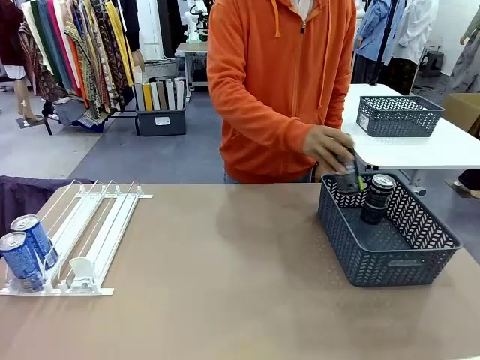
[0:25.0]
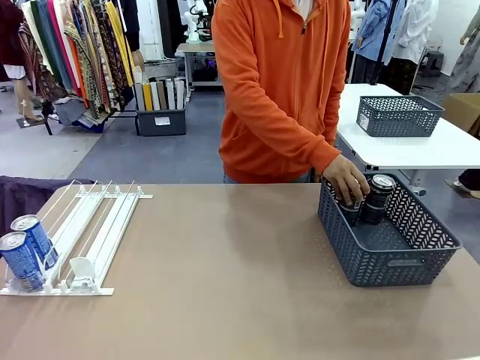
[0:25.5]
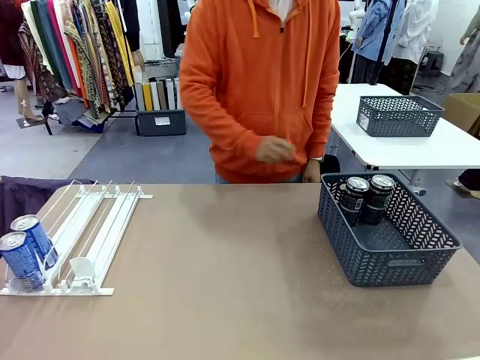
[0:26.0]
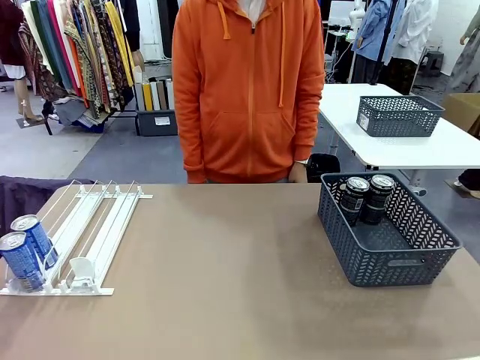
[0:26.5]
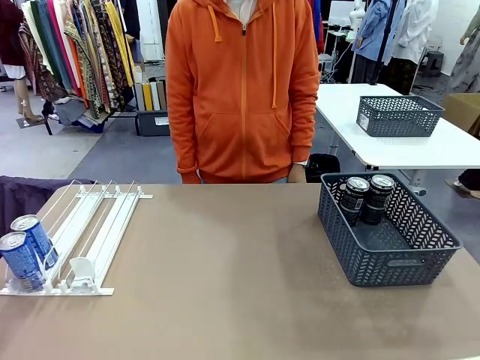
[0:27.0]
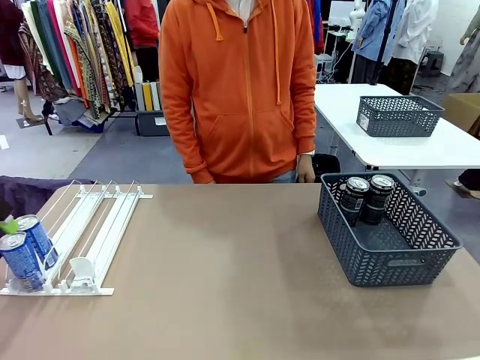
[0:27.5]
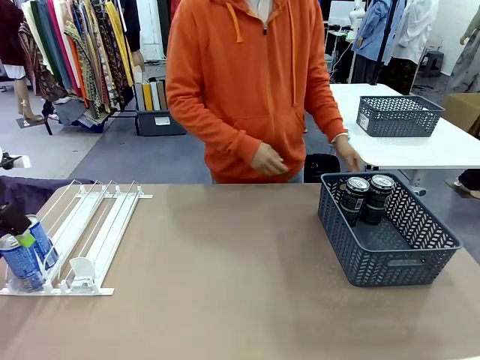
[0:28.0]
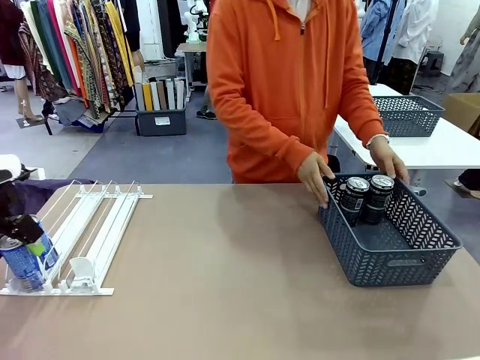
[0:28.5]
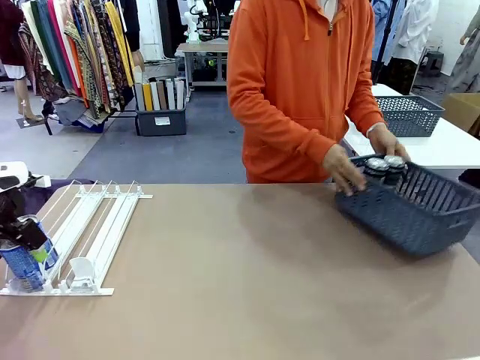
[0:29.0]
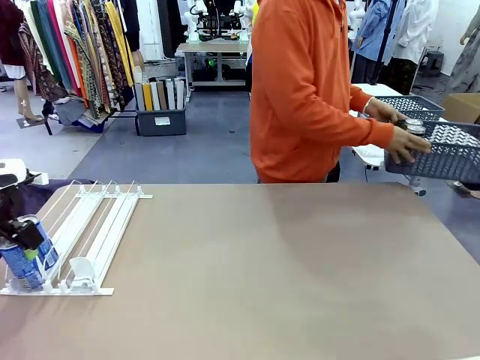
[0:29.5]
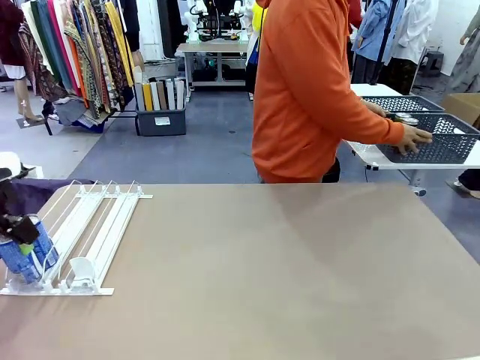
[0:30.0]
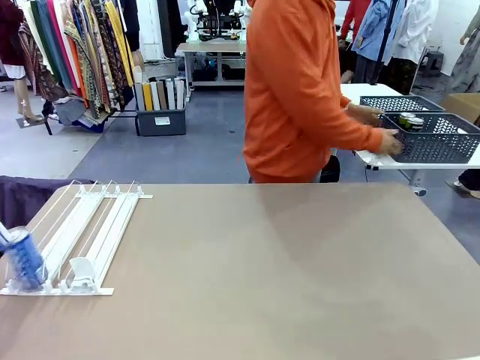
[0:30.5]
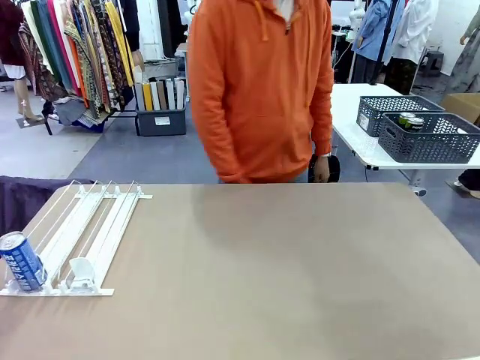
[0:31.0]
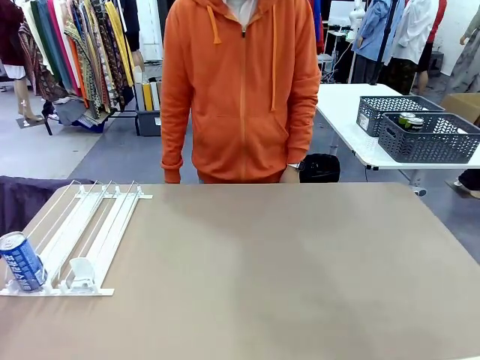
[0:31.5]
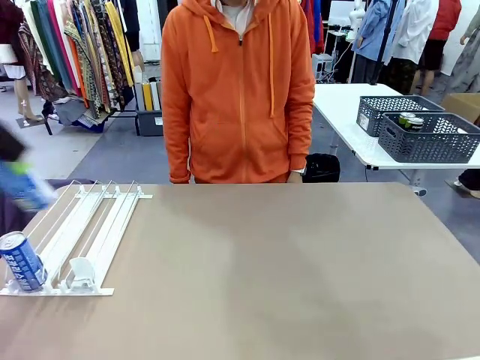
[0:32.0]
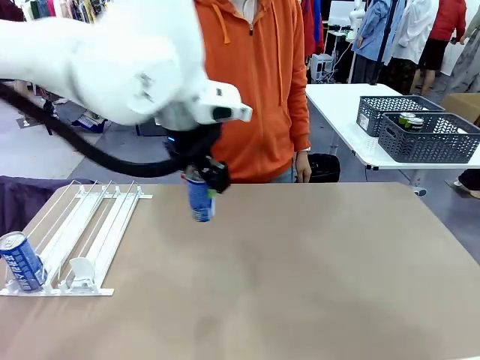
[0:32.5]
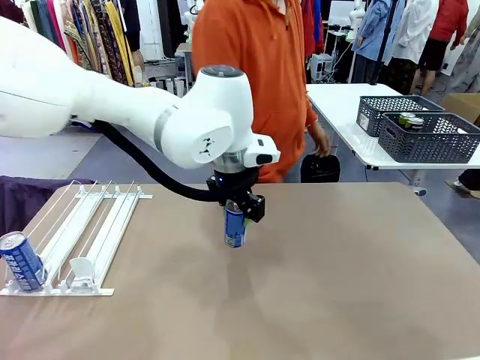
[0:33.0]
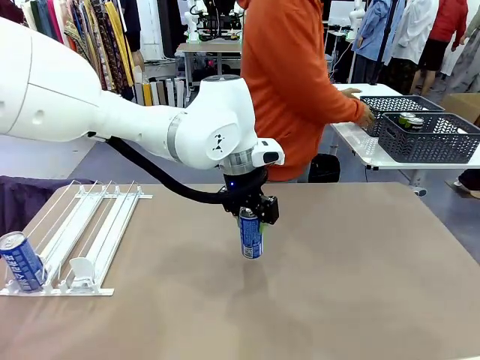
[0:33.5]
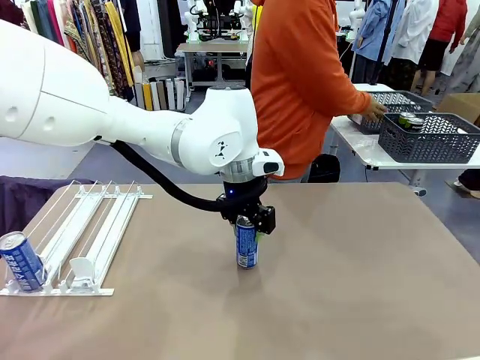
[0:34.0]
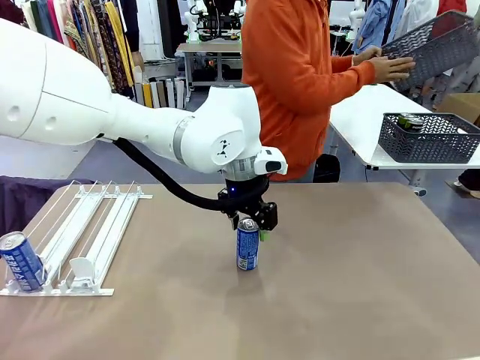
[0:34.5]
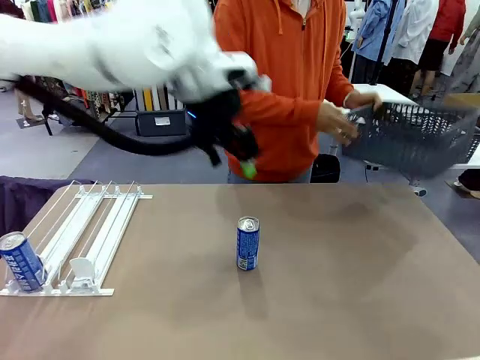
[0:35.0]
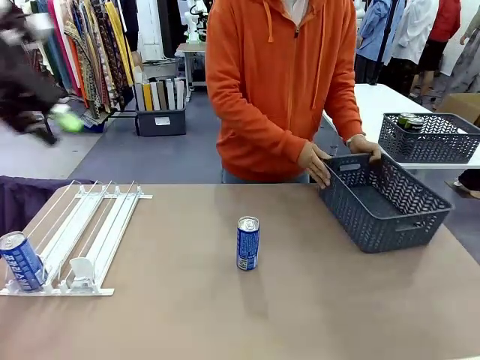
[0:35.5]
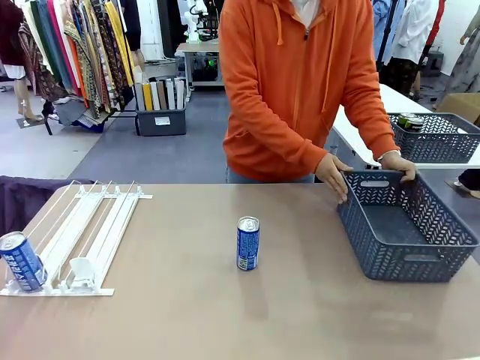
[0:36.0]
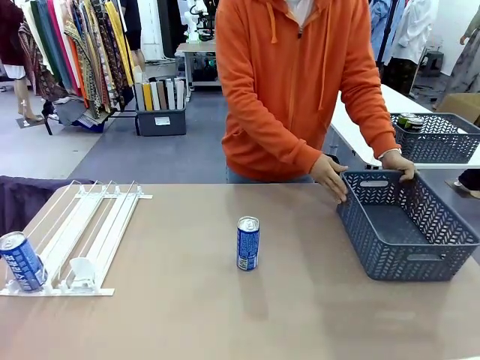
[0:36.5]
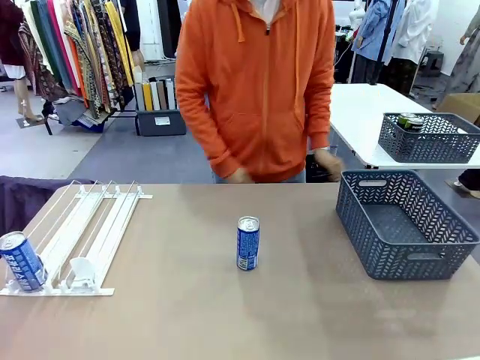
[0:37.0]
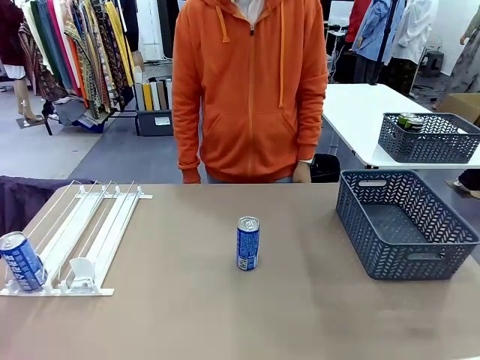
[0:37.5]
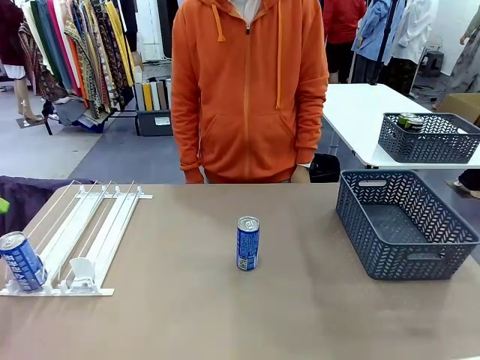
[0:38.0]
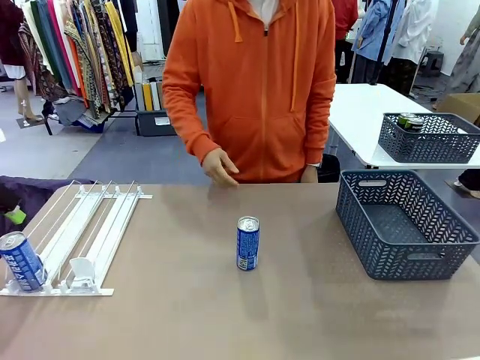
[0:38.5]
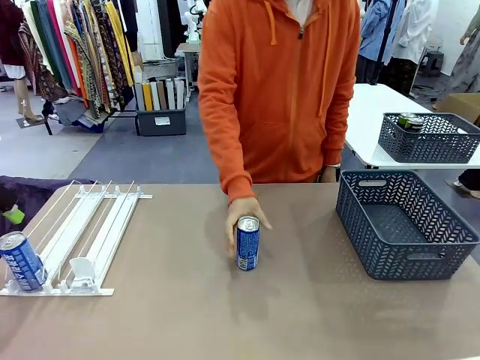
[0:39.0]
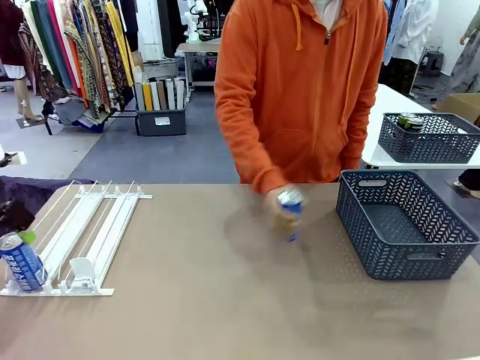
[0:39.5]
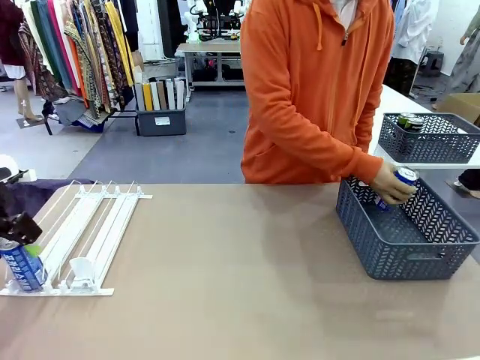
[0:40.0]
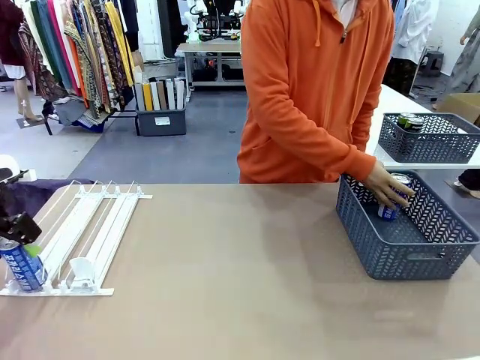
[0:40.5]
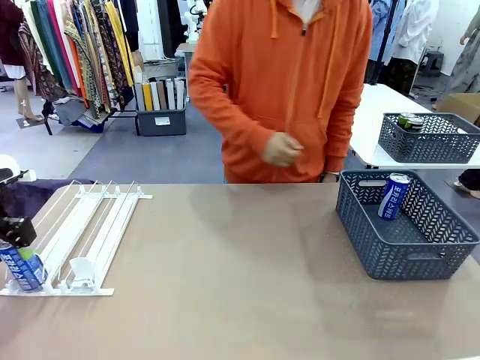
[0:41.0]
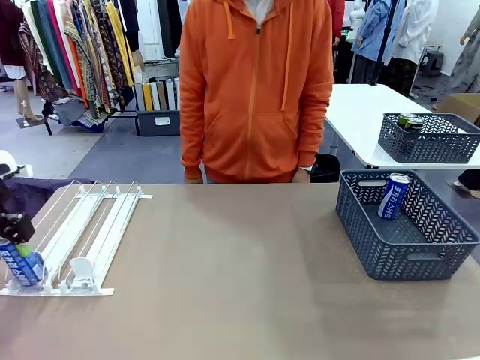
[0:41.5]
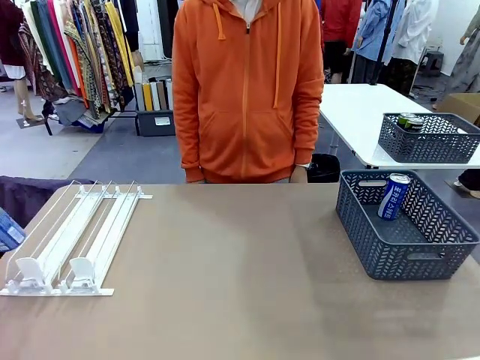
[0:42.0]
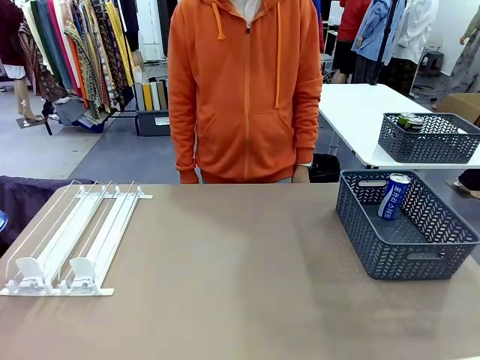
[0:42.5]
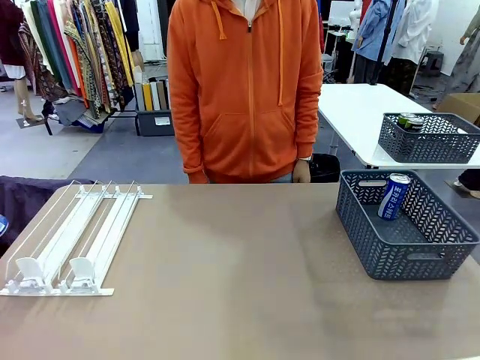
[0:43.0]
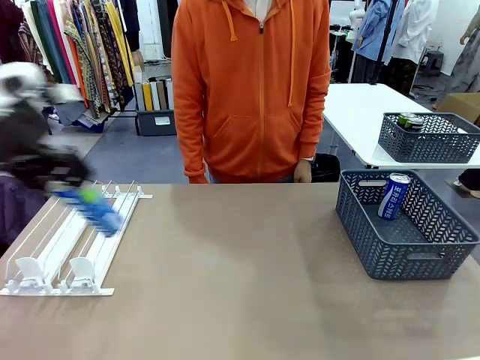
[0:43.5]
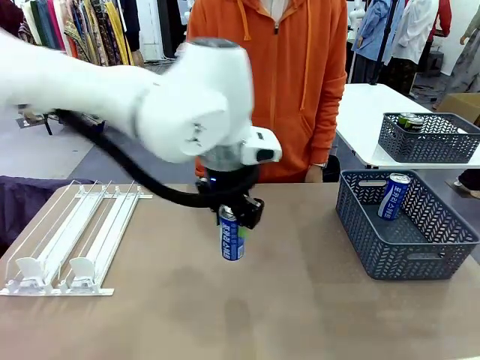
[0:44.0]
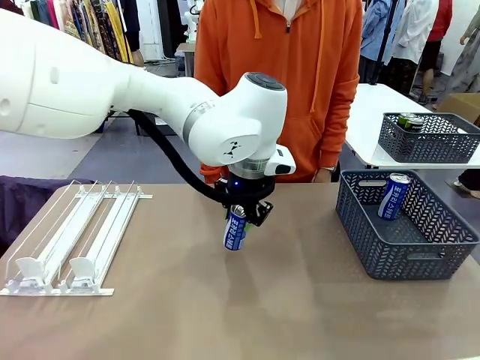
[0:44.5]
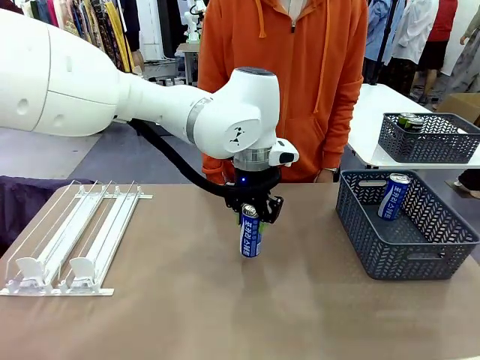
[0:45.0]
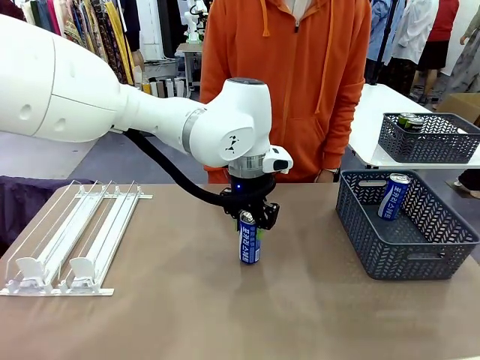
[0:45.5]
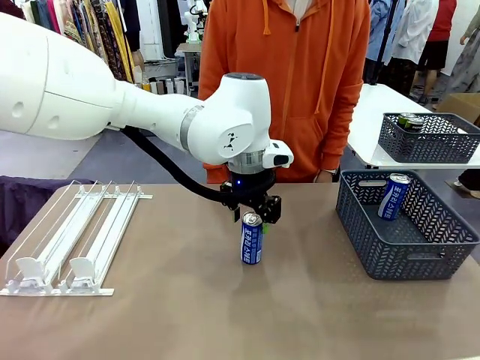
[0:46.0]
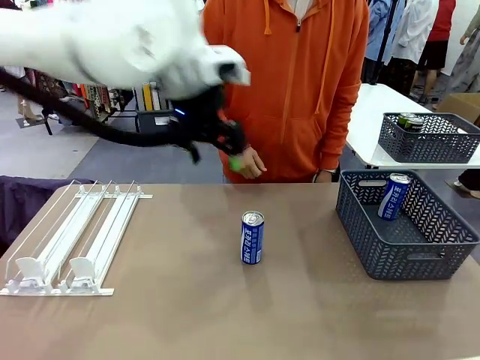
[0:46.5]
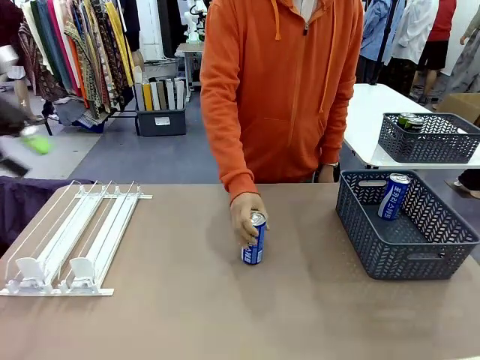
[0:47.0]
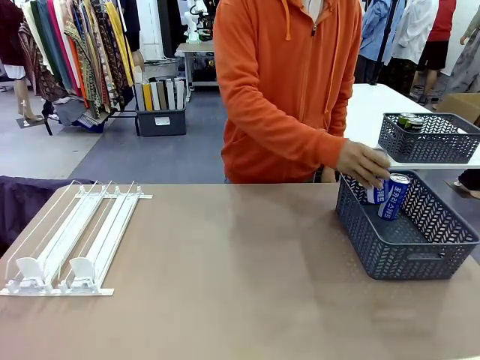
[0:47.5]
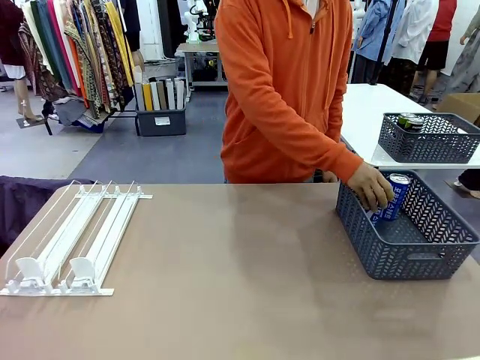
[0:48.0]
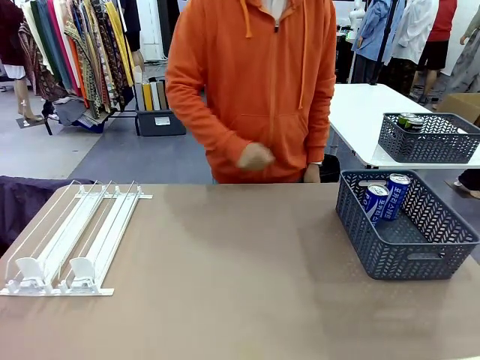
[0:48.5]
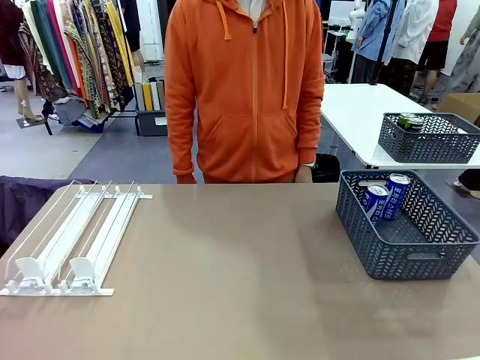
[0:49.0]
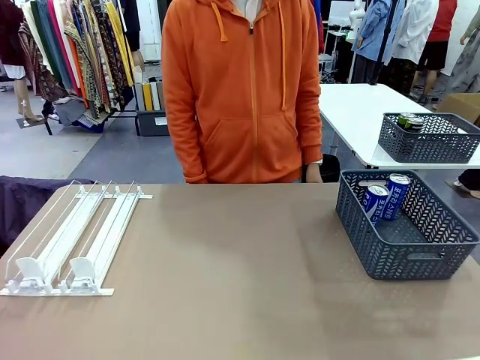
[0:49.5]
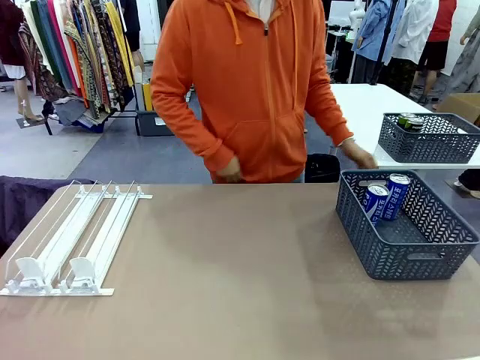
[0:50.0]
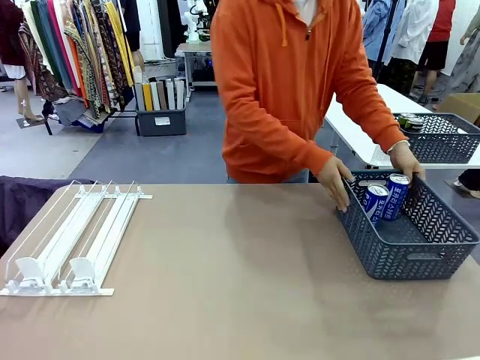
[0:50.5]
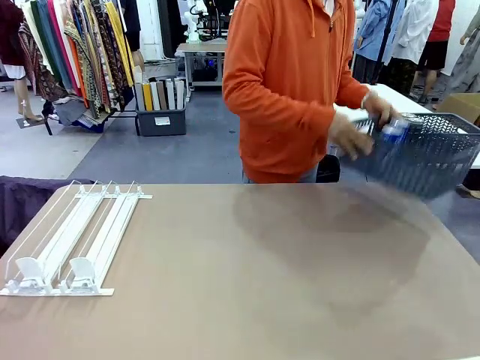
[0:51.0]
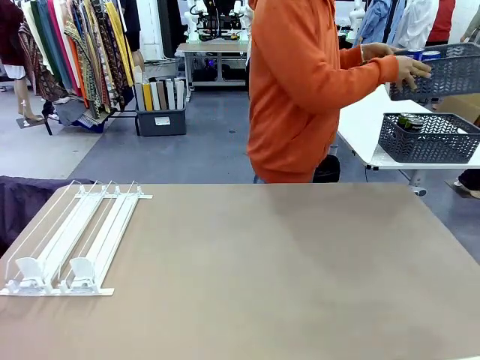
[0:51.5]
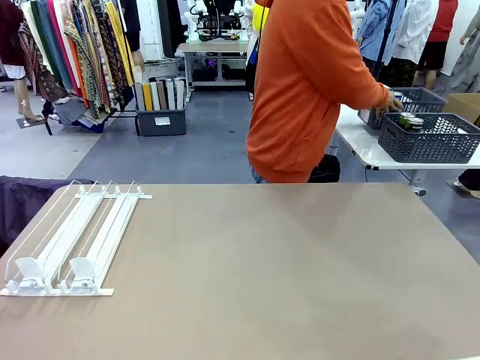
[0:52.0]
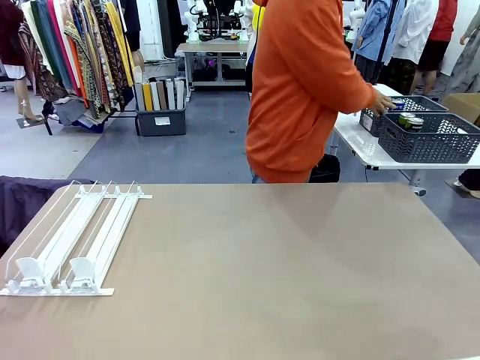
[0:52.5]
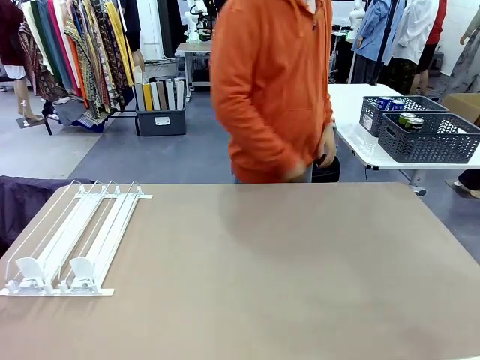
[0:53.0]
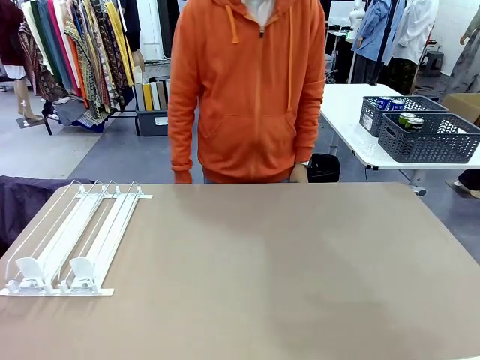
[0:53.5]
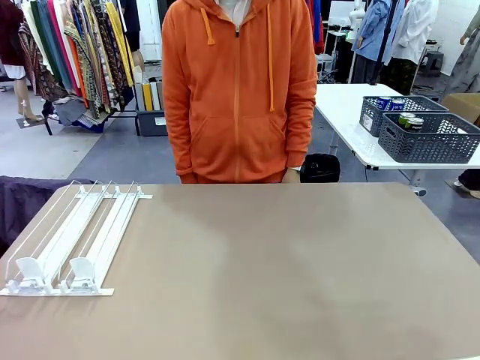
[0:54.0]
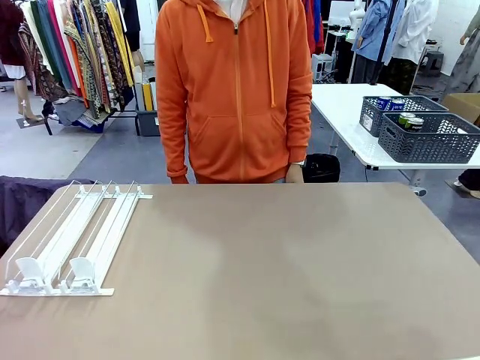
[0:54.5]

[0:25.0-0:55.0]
Task: Retrieve and store the cans from the dispenser.
Robot: Pick up one can from the Automatic Can Dispenser and place it in the middle of the table.
Person: Pick up the basket and place it in the middle of the human table. Pick up the empty basket and place it on the left side of the robot table. Pick up one sports drink can from the middle of the robot table and place it in the basket. Pick up the basket and place it in the middle of the human table.
